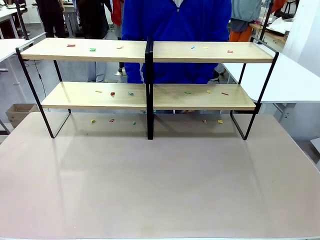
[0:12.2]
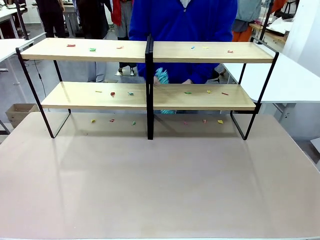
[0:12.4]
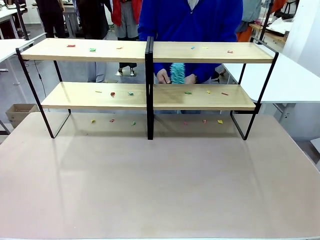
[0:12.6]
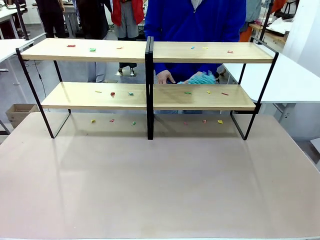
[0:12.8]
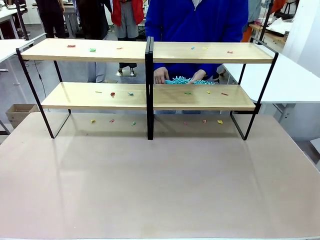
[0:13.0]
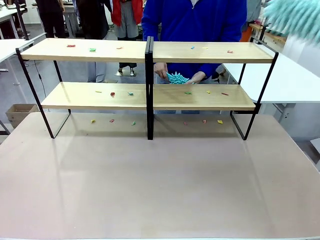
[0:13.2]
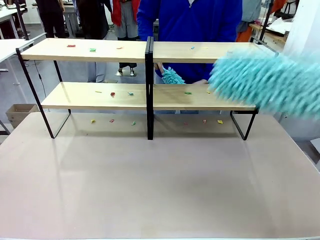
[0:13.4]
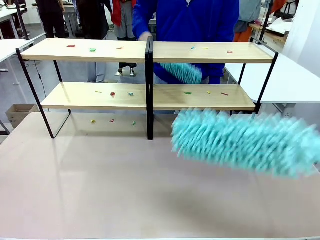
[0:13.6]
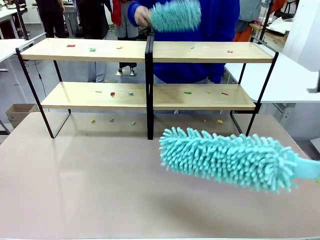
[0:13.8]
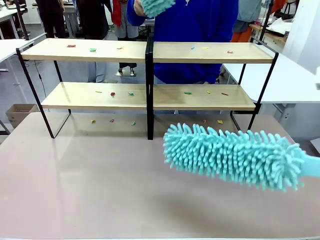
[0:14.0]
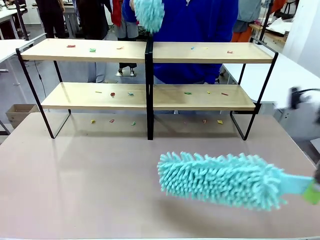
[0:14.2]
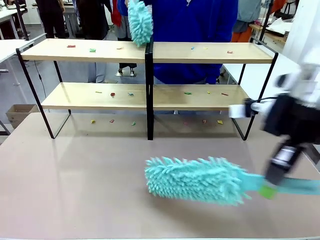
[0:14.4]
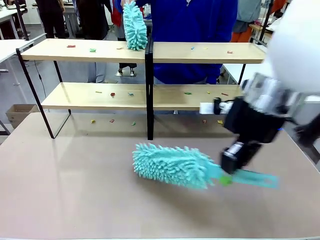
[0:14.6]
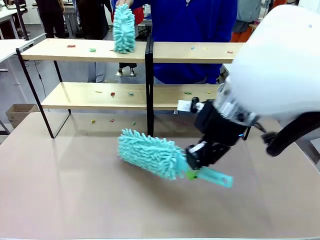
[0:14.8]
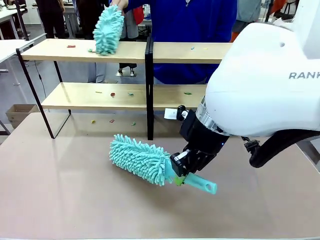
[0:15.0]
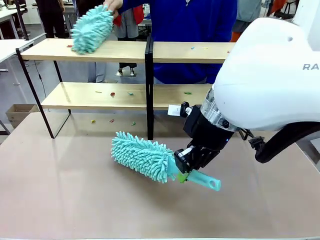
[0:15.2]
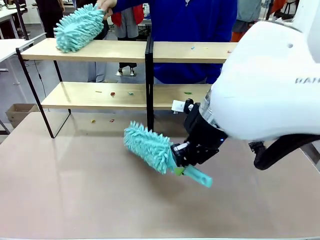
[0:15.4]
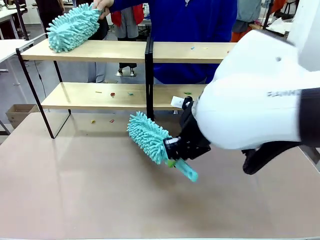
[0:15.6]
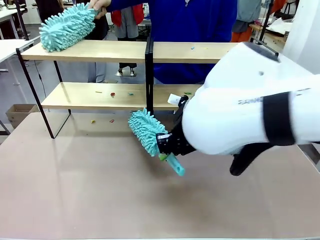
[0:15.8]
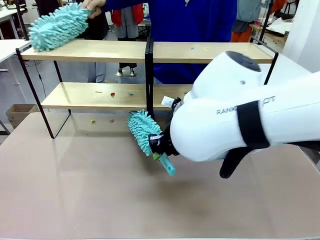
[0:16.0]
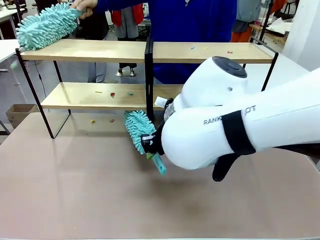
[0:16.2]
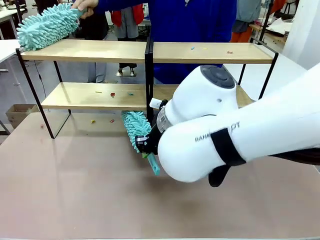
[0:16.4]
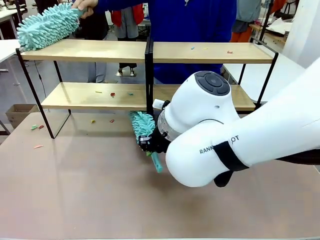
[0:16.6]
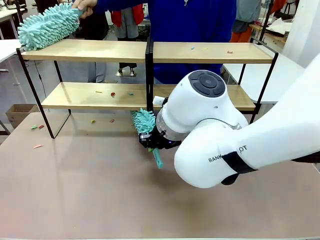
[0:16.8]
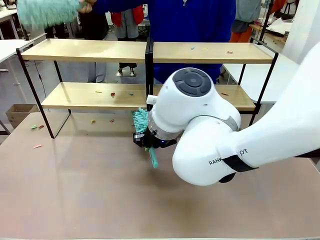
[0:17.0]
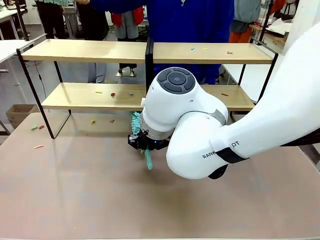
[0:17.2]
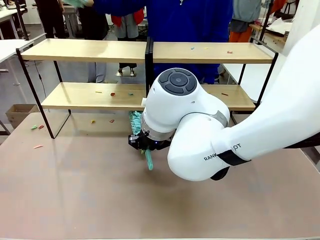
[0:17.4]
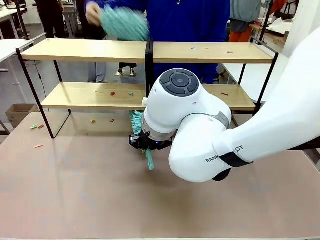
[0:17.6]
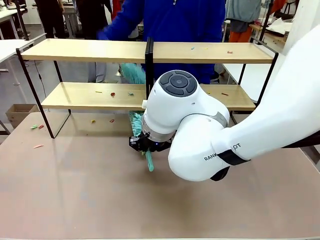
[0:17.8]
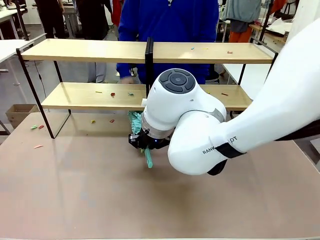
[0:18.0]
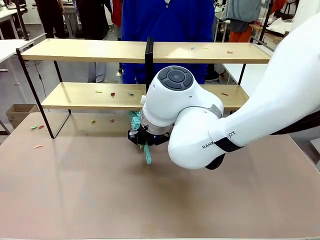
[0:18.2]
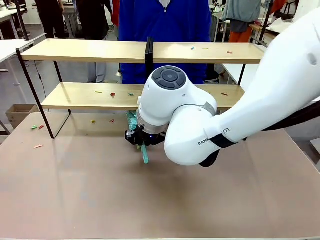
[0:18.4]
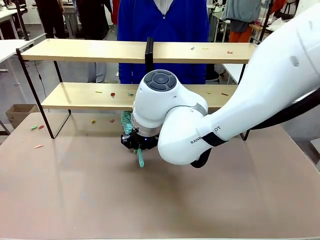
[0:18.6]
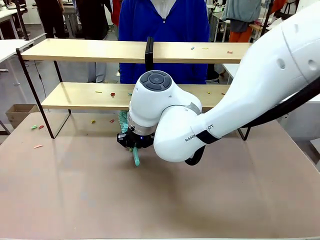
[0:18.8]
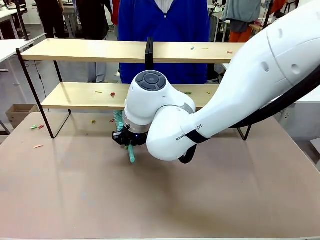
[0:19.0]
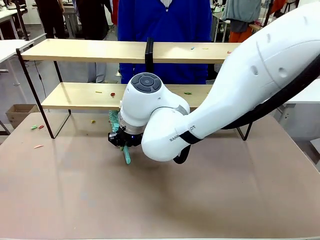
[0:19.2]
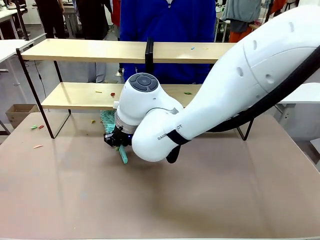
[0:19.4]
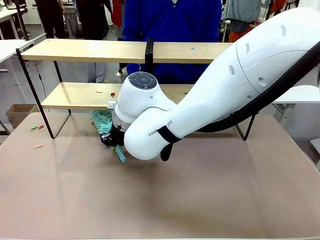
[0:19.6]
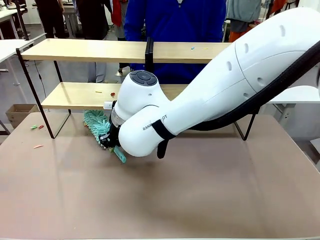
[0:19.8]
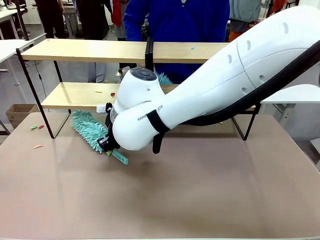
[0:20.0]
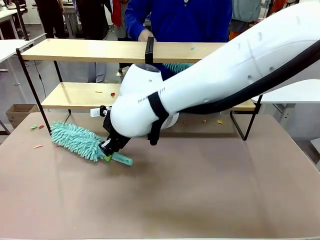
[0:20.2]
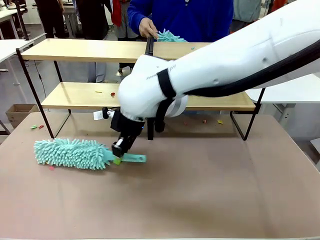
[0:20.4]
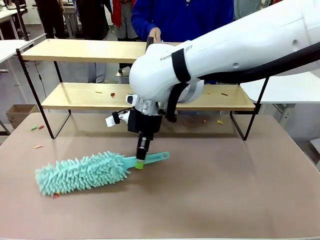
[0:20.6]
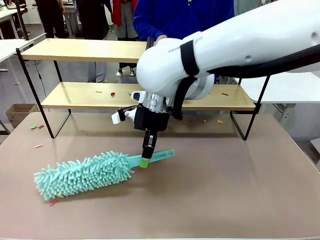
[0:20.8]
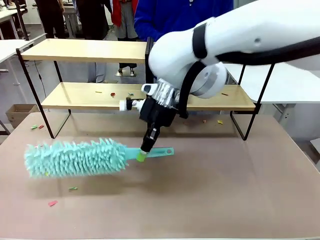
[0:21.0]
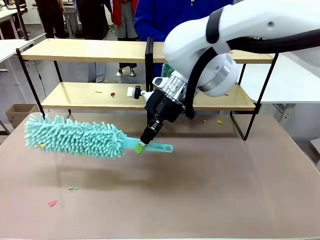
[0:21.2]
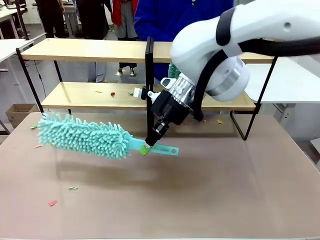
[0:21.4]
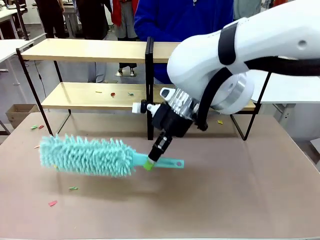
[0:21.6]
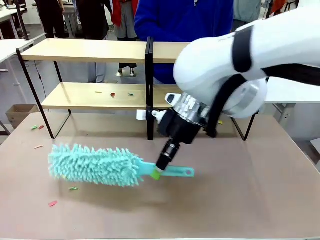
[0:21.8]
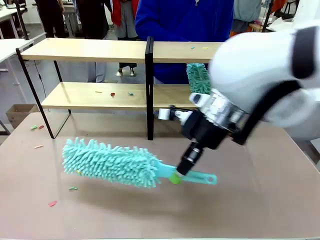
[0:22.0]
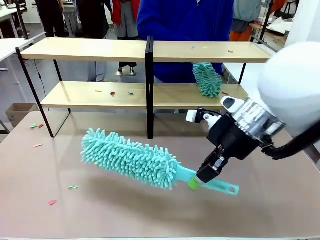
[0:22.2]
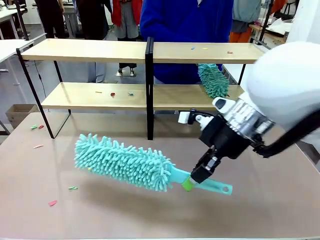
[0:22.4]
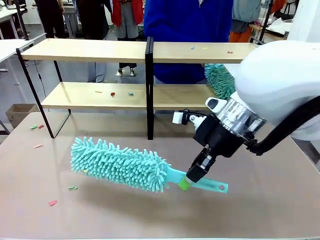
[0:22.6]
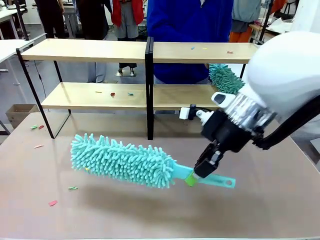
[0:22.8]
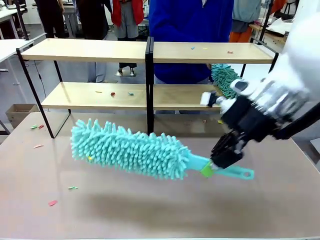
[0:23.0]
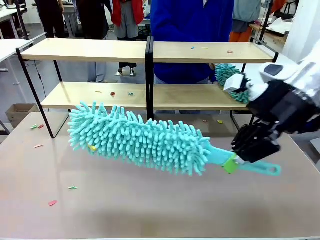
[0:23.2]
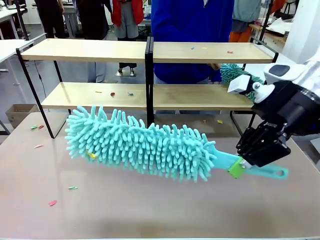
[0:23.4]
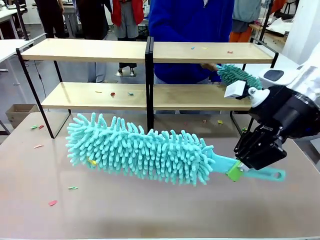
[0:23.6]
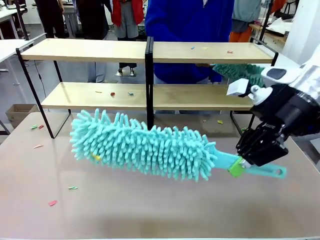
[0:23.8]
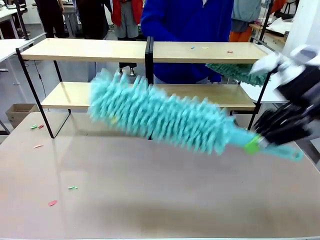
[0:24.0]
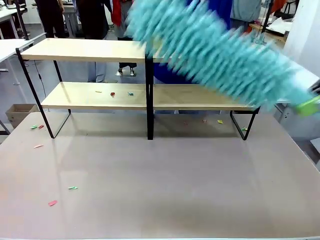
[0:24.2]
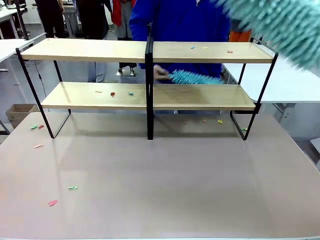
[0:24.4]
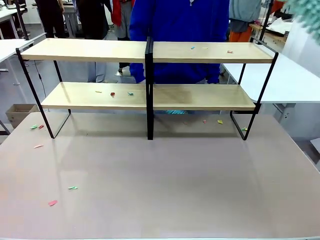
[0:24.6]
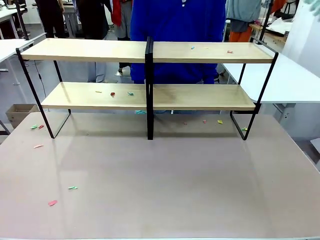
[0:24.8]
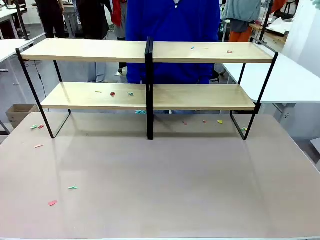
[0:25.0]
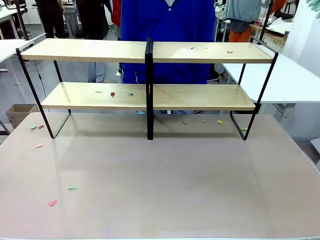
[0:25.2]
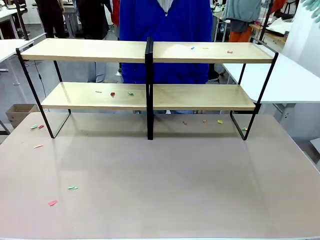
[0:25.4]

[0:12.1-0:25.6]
Task: Clean the shelves.
Robot: Clean a randomly selected level of the Shelf with the Duster.

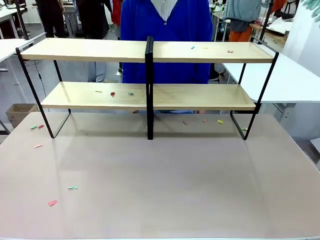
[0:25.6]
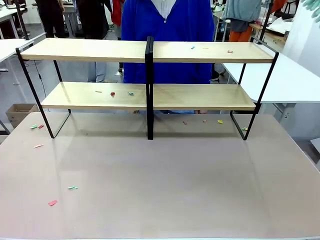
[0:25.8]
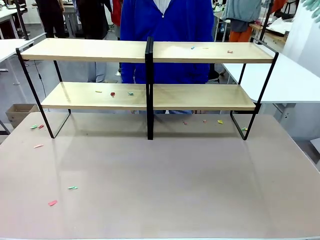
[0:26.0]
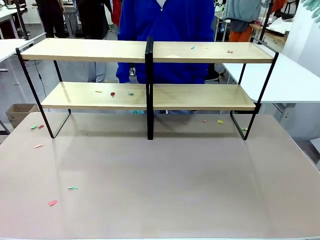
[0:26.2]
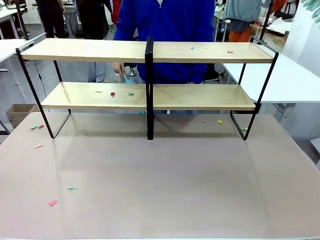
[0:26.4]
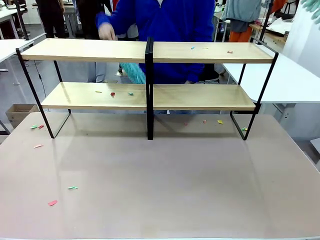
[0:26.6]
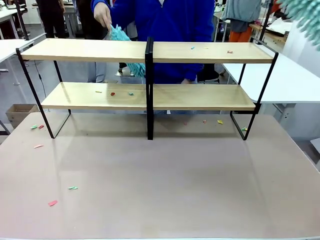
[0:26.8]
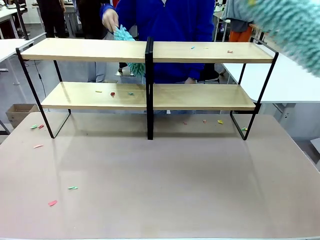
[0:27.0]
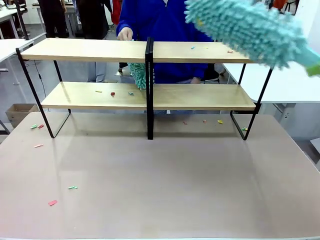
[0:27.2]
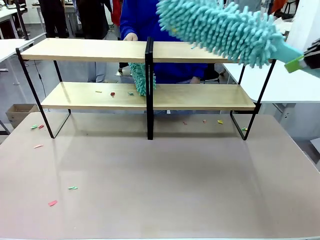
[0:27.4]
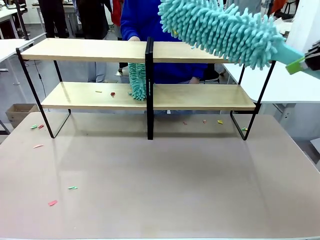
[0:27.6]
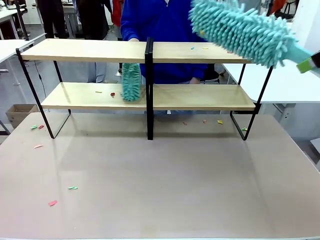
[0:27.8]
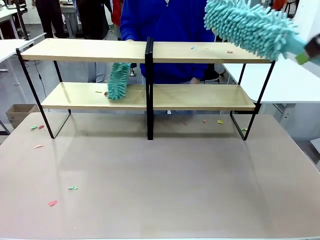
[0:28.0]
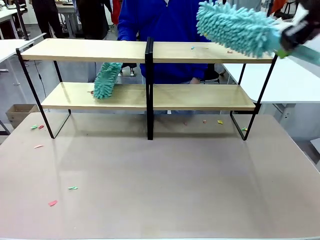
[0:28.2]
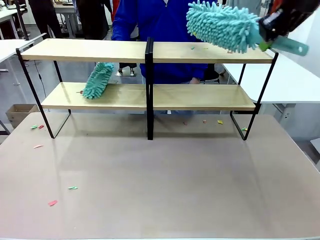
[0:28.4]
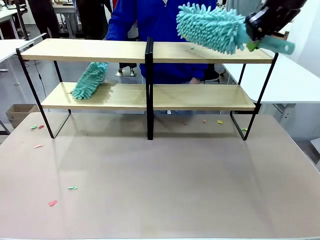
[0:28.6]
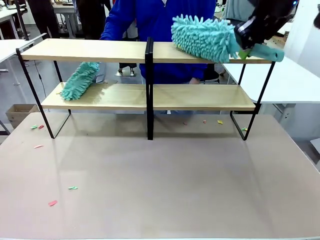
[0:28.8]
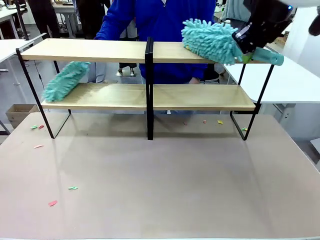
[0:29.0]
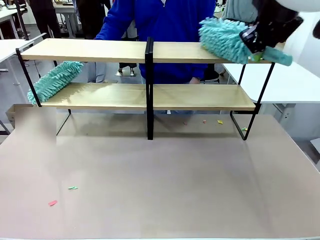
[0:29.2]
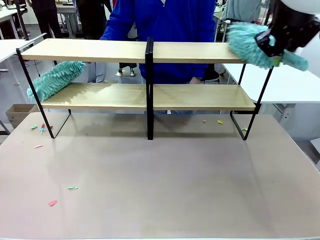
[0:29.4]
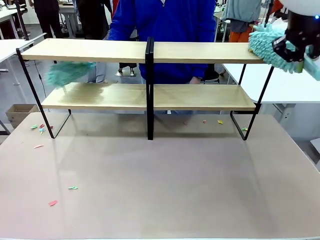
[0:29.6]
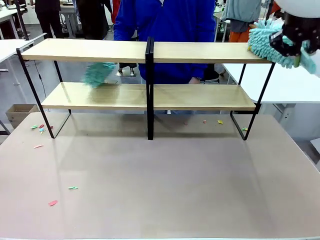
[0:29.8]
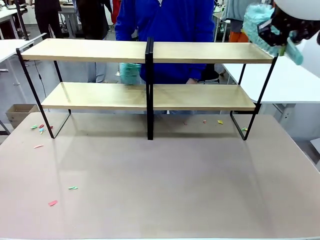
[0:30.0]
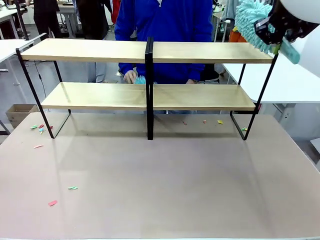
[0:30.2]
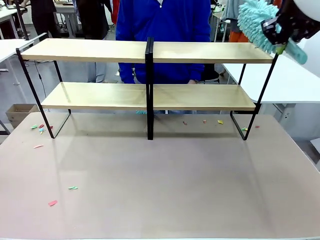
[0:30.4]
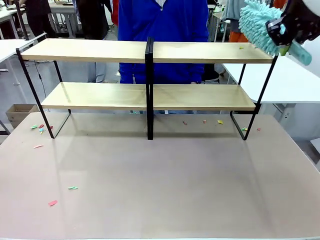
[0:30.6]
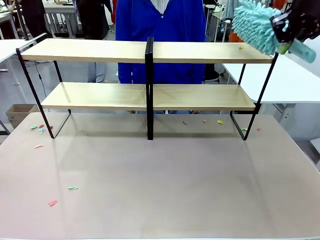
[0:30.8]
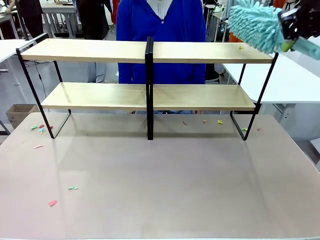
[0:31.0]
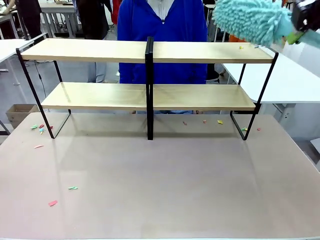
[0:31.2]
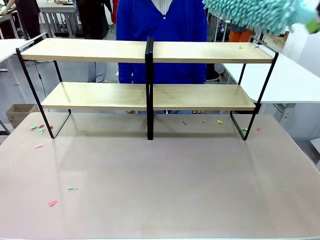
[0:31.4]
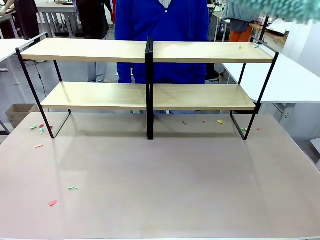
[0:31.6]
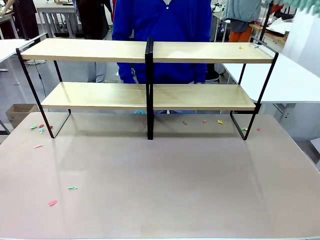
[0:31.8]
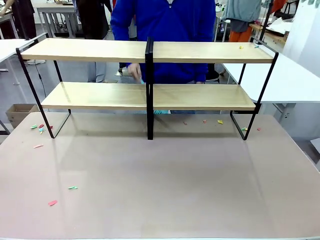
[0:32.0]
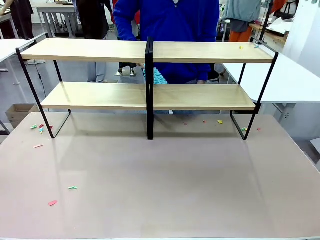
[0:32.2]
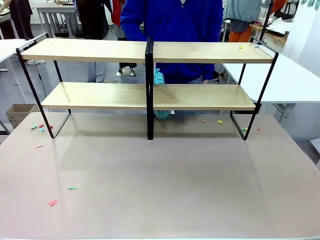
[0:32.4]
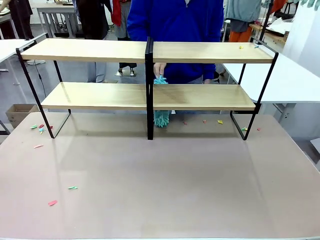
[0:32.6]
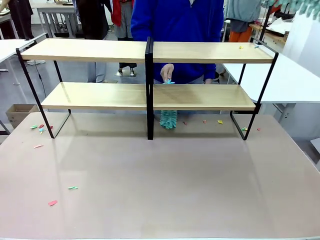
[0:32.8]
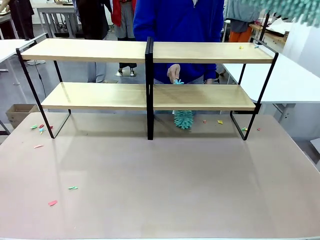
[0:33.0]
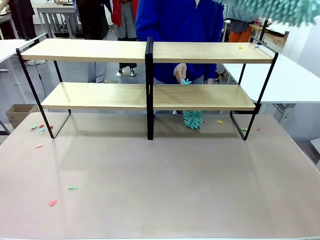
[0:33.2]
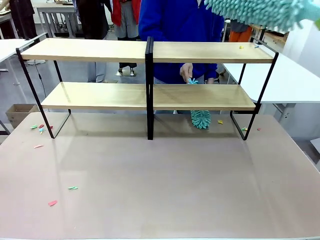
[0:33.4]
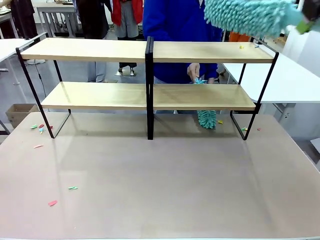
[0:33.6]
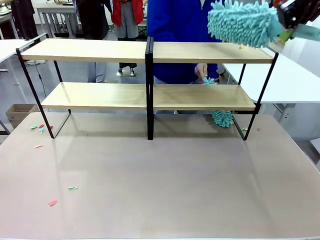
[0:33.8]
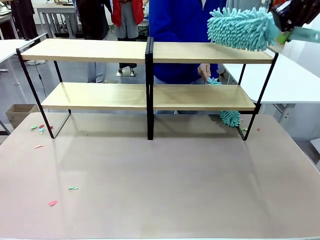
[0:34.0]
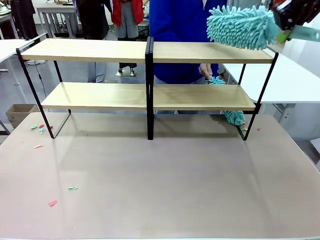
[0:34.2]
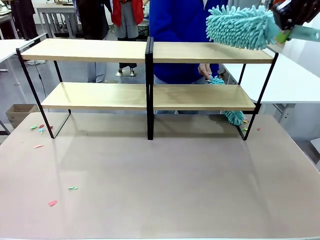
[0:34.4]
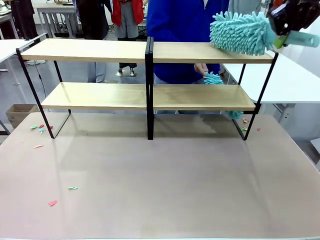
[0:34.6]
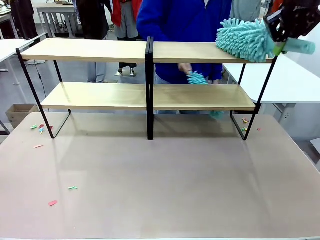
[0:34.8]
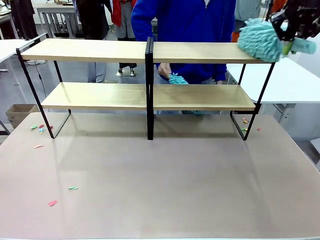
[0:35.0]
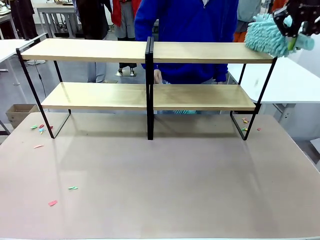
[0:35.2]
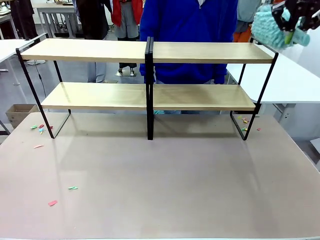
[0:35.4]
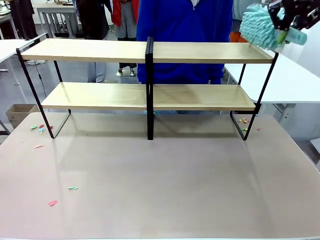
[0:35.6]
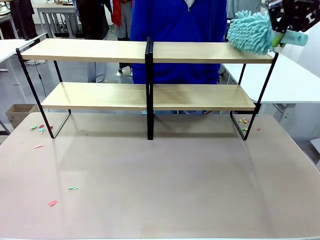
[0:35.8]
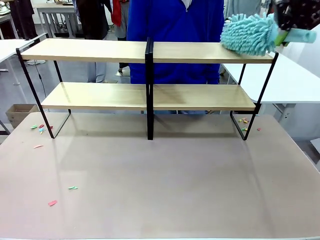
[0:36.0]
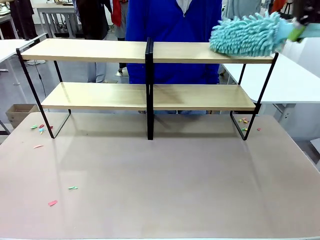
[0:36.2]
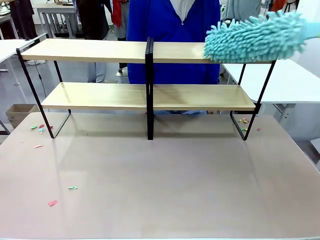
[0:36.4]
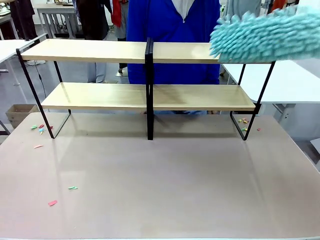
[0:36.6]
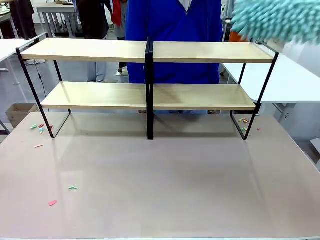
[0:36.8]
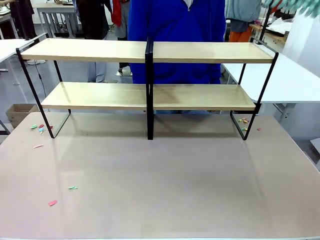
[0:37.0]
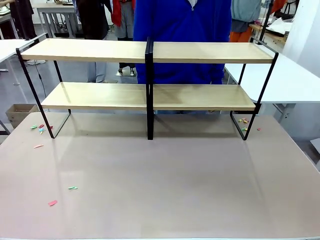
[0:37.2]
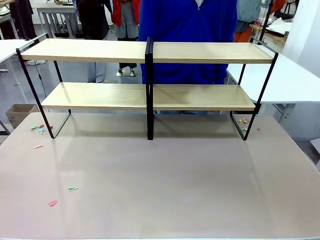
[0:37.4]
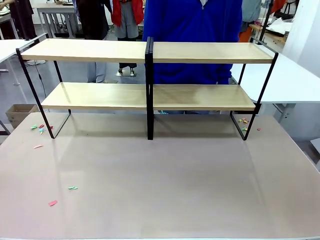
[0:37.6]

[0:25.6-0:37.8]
Robot: Clean another randomly selected level of the Shelf with the Duster.
